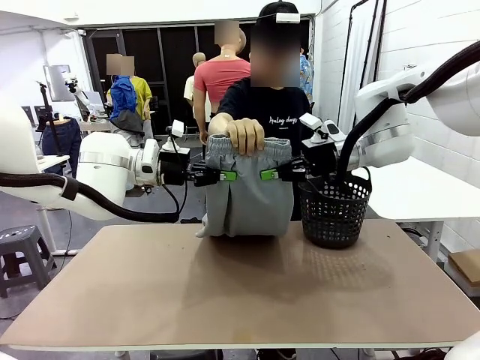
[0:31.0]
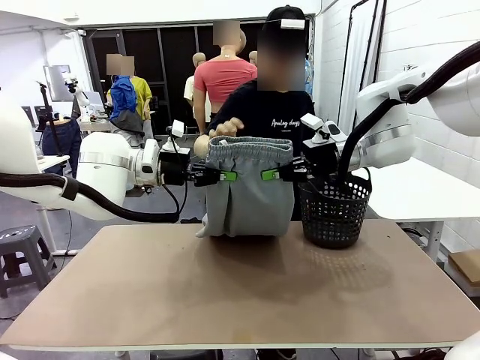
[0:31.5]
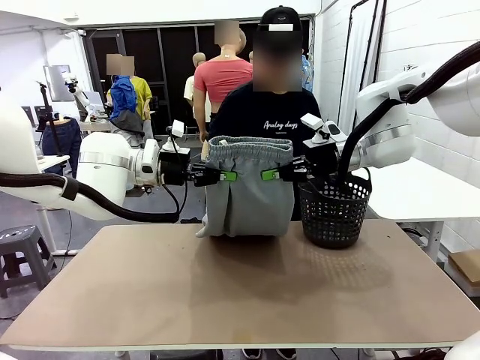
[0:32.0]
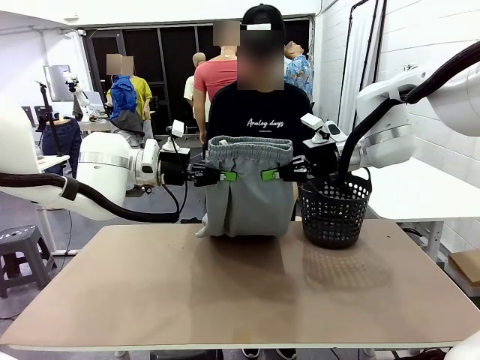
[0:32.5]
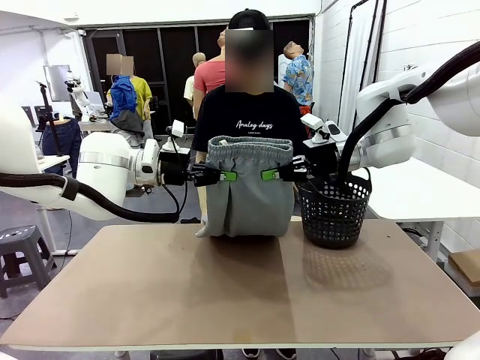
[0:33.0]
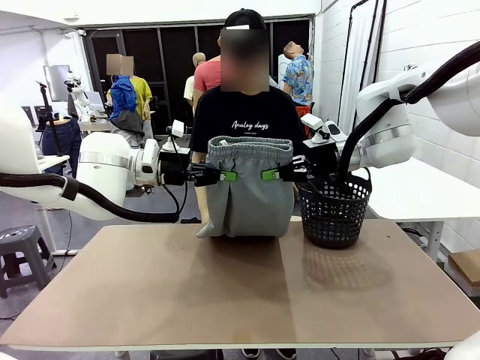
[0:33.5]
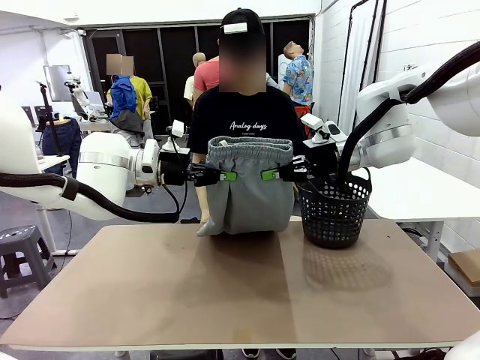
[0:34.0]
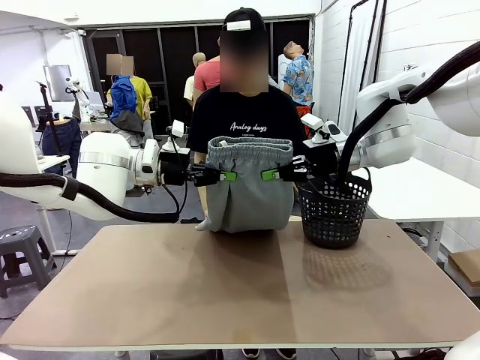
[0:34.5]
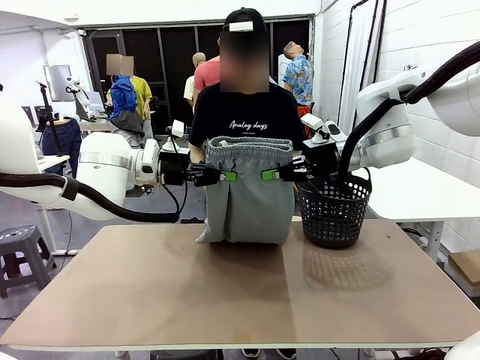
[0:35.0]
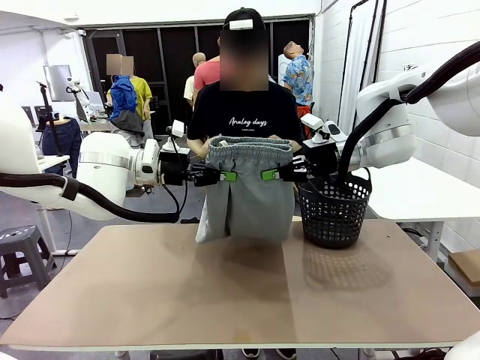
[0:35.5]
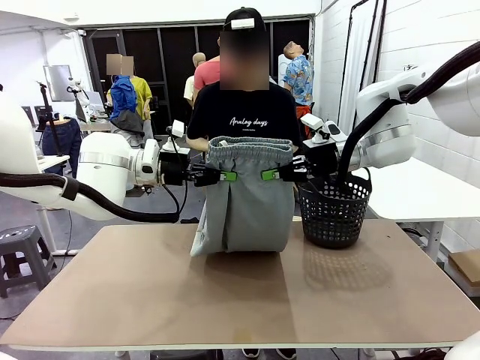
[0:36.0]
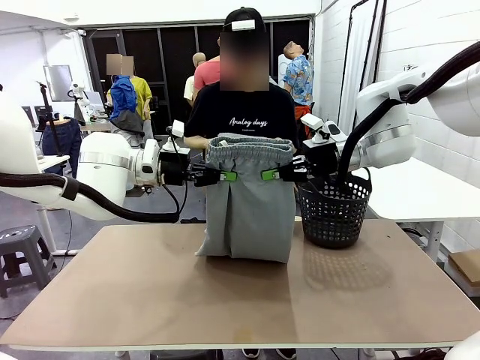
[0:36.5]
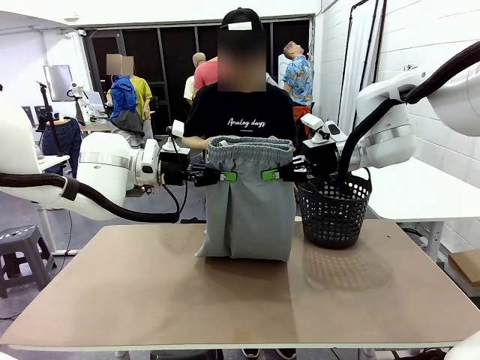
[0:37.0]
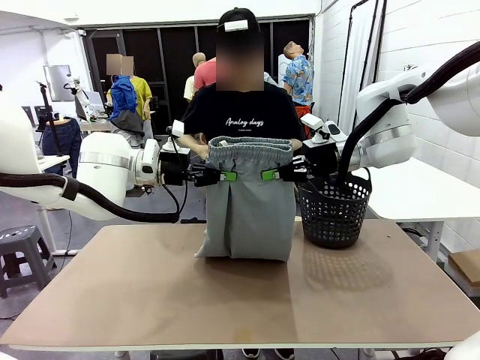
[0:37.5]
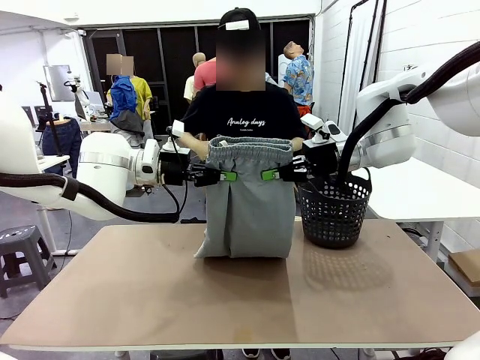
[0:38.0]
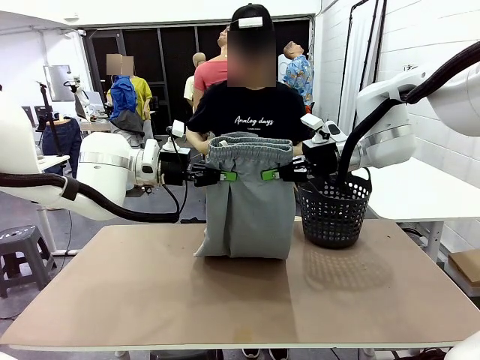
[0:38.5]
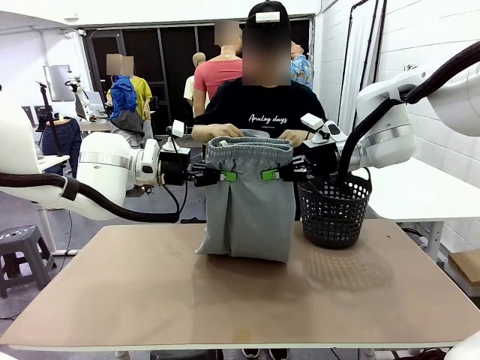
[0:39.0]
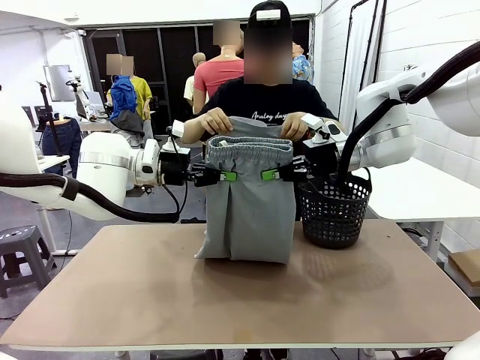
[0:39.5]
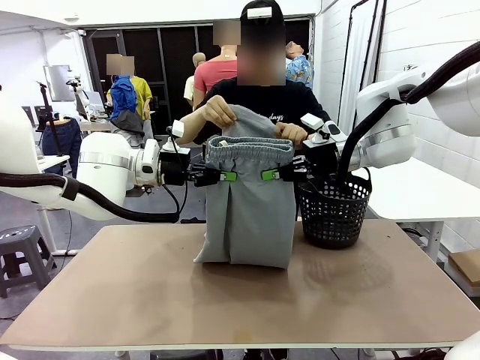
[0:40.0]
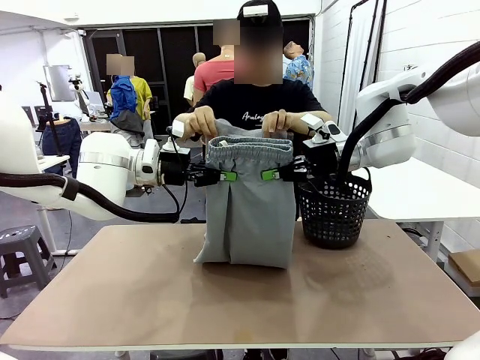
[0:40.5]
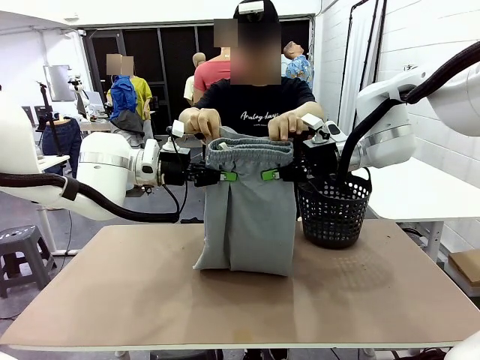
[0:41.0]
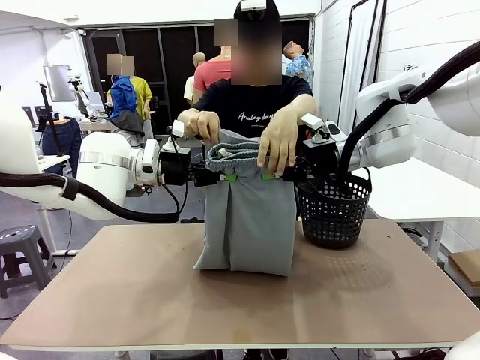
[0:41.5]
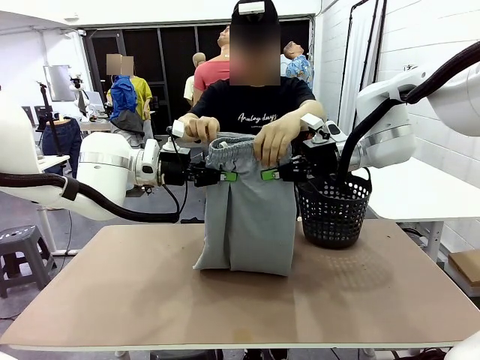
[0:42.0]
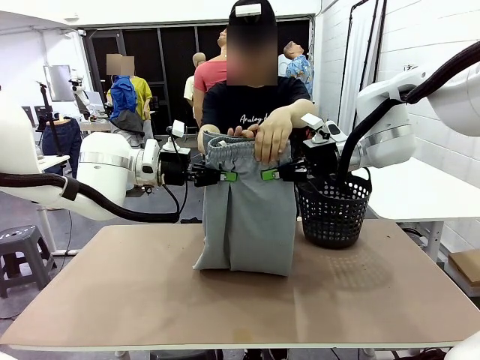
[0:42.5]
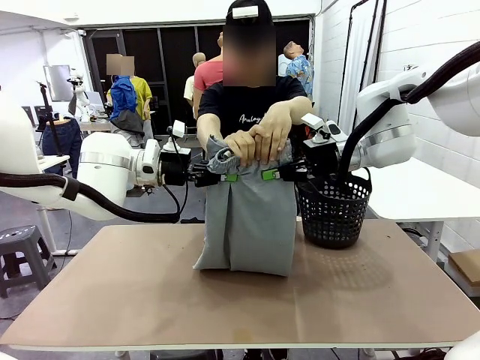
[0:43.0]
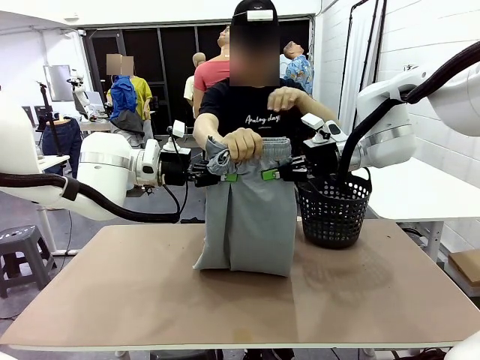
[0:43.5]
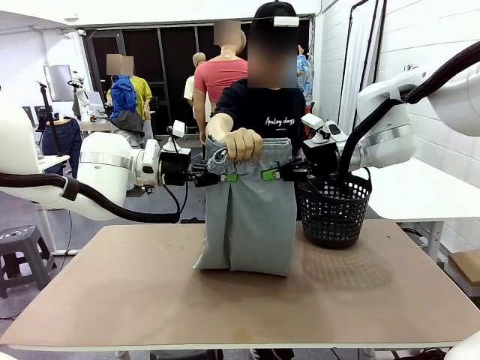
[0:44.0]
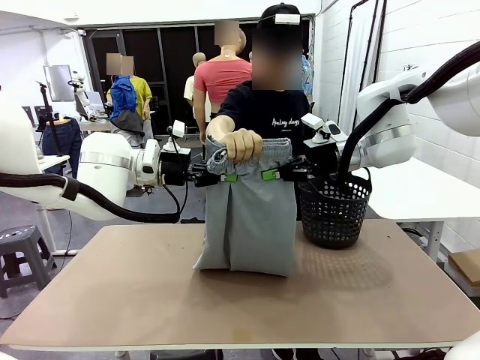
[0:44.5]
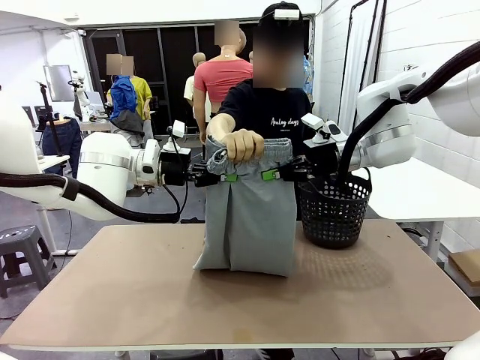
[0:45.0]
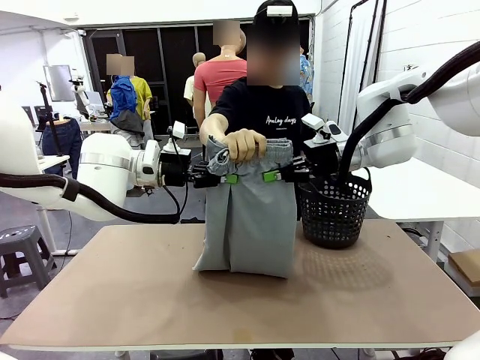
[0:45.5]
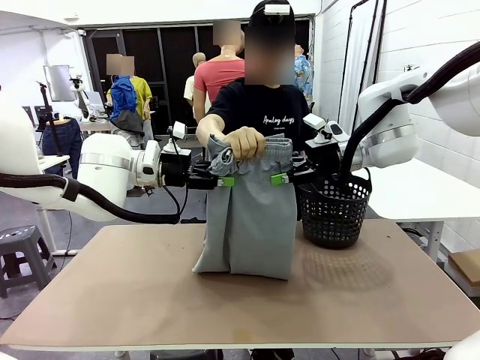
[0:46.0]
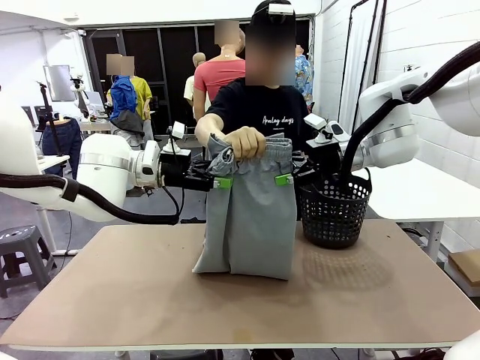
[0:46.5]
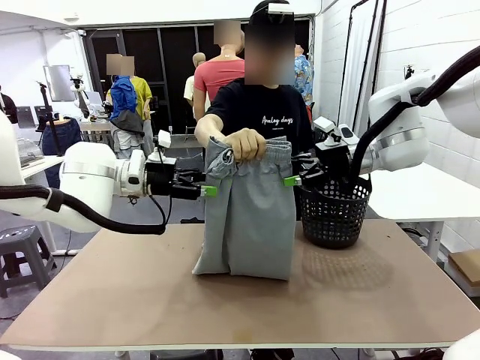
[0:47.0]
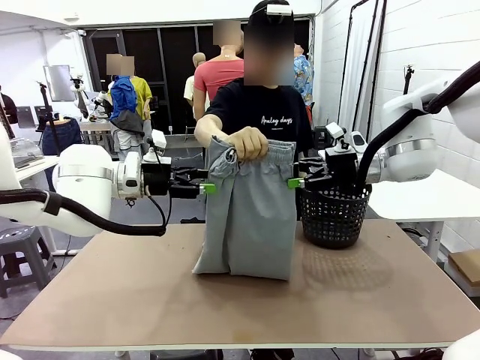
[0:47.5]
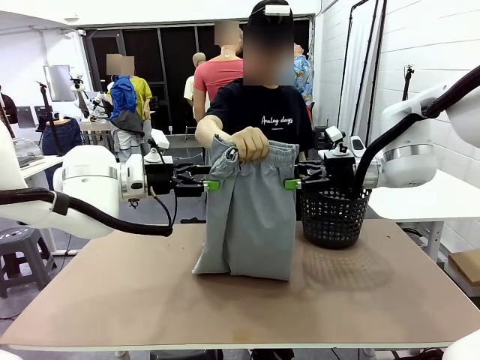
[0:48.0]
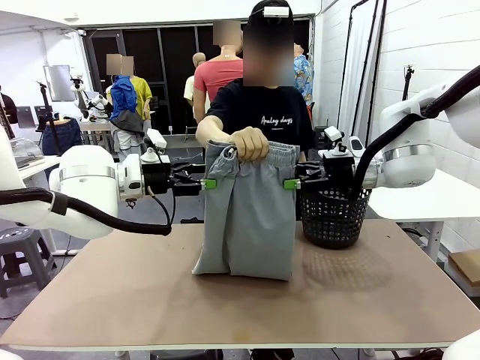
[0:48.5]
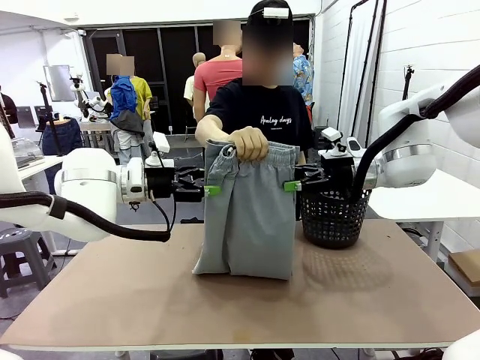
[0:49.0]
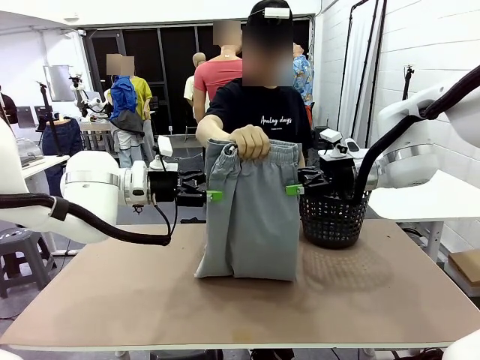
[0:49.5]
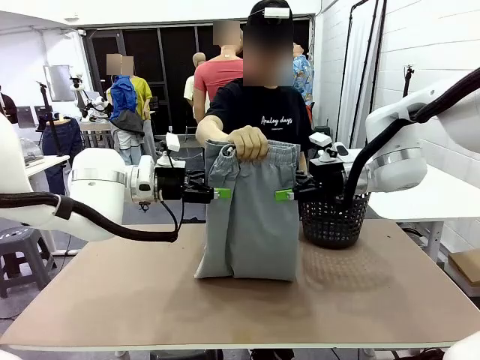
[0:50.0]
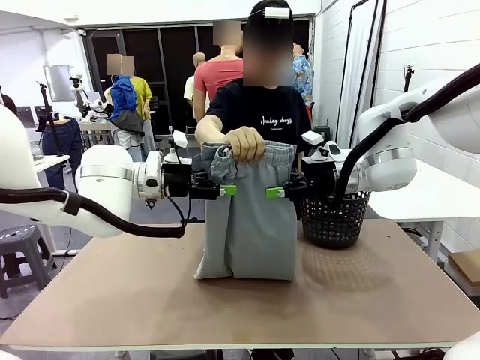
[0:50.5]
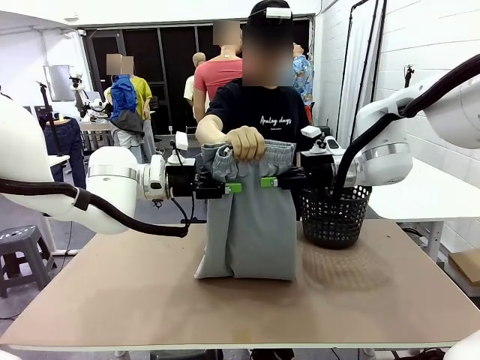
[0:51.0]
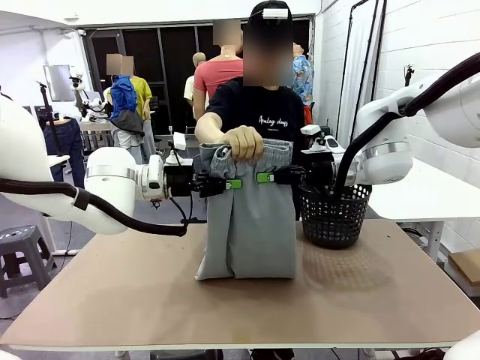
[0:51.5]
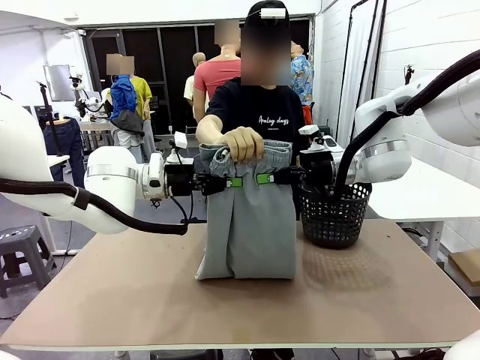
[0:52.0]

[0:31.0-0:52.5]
Task: Fold the training pants.
Robot: Release the ends of the Training pants and then grab the overlapped ends.
Person: Grasp the end opposite the point the robot is holding, fold the pants in half, and then grasp the overlapping top end of the folded pants. Release the pants you were holding.

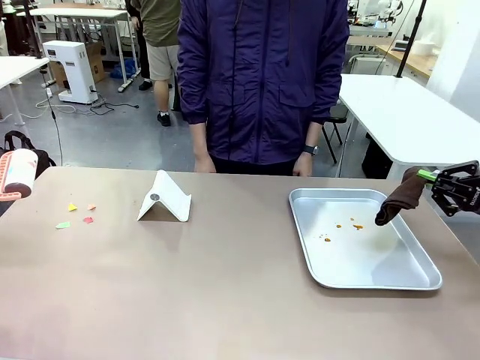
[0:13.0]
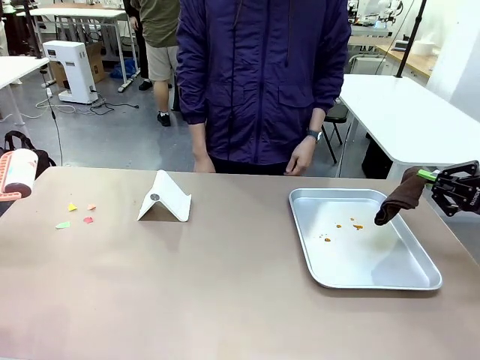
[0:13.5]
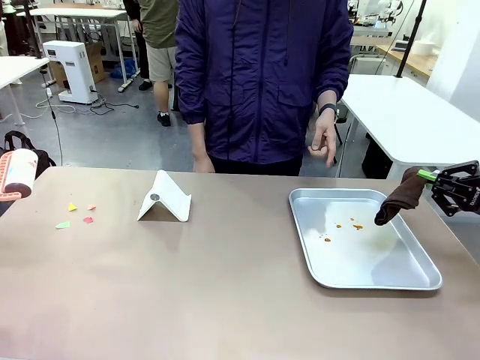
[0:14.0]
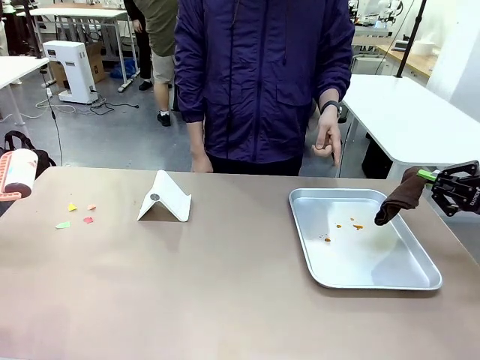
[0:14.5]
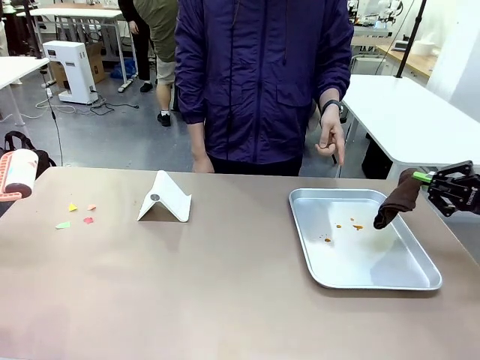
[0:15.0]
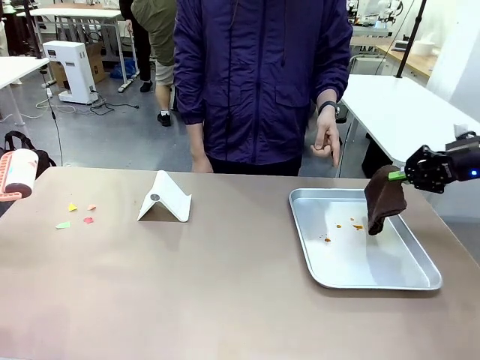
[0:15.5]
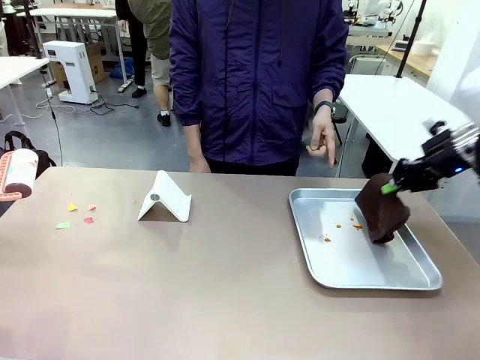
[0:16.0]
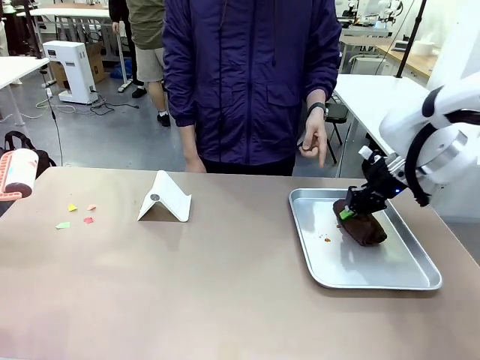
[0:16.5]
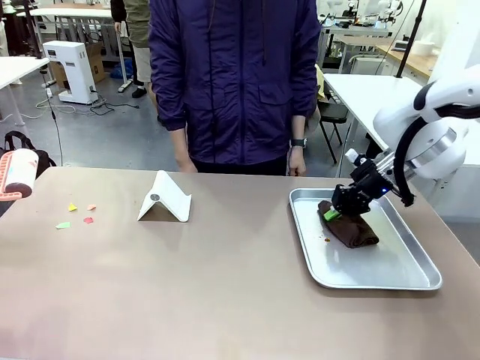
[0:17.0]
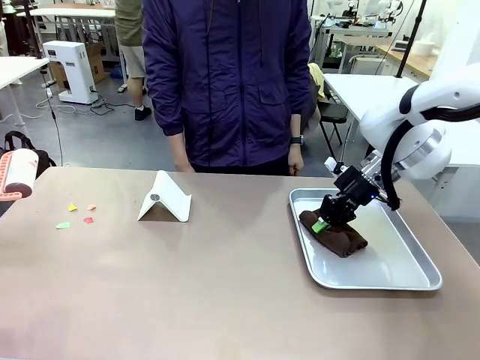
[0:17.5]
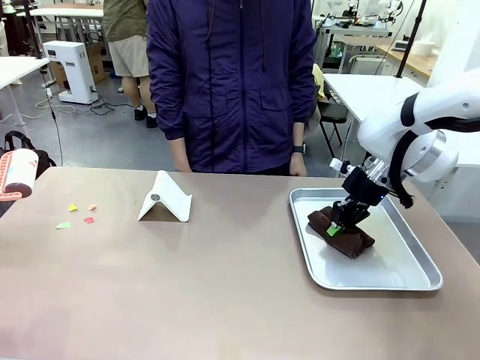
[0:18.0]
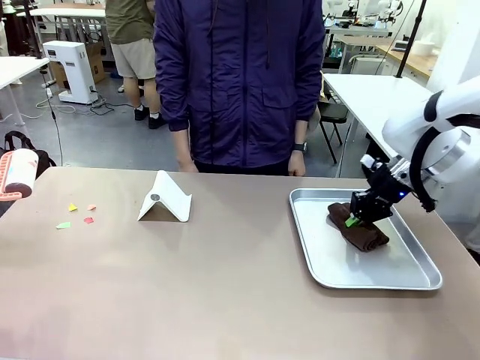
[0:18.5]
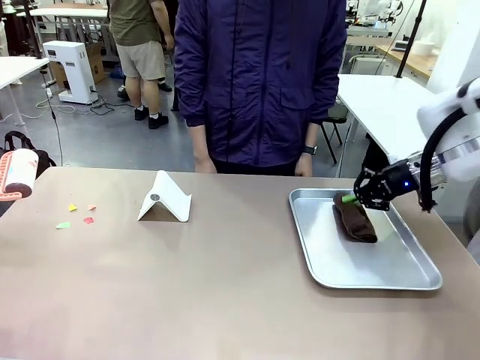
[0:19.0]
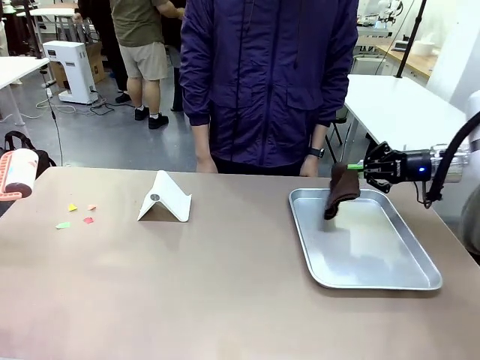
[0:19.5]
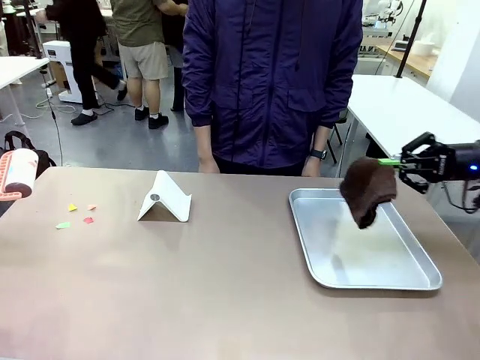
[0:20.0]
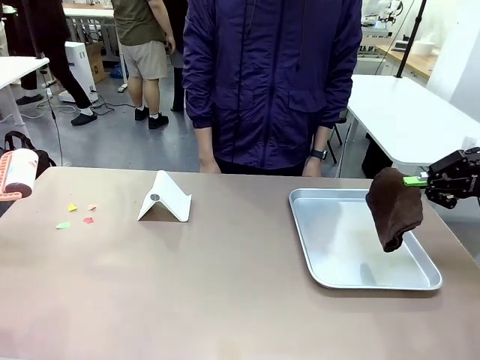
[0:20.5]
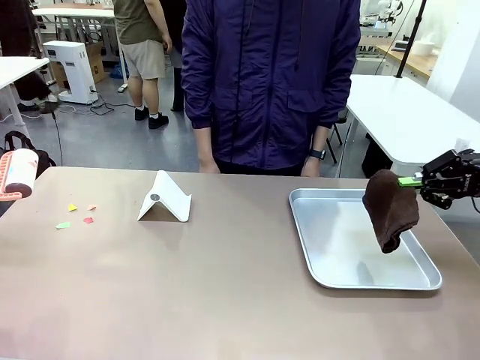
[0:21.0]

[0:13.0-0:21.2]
Task: Clean the surface of the table.
Robot: If a person points to the right, clean the right side of the table with your right hand, and if they point to the left, clean the left side with your left hand.
